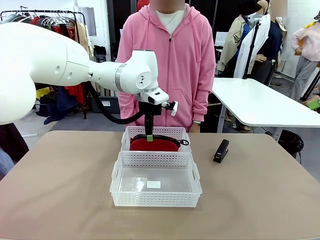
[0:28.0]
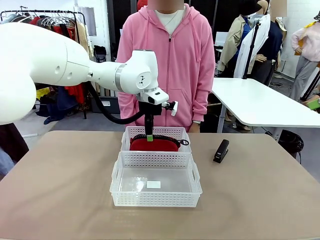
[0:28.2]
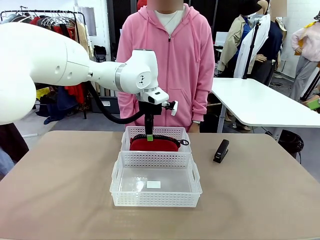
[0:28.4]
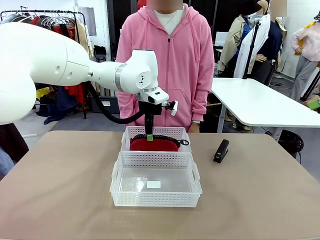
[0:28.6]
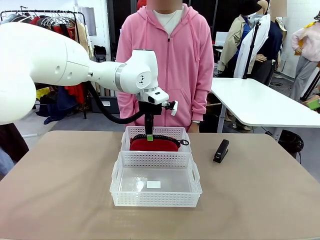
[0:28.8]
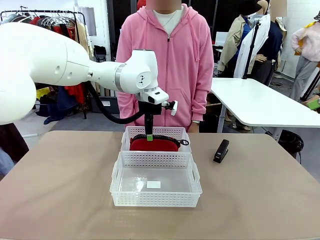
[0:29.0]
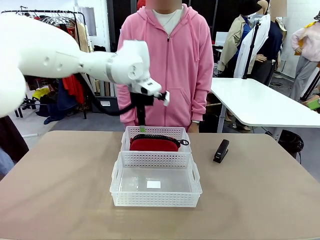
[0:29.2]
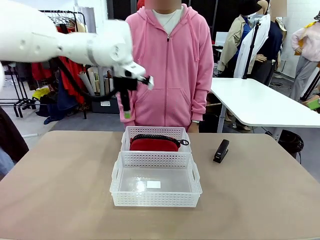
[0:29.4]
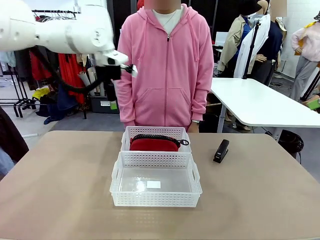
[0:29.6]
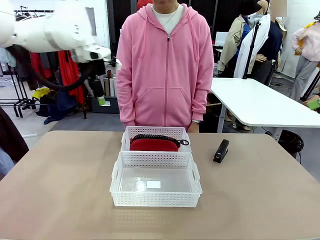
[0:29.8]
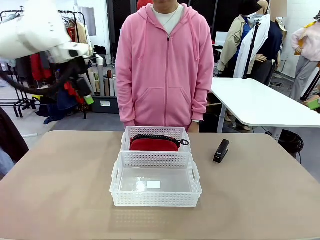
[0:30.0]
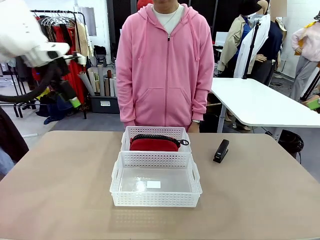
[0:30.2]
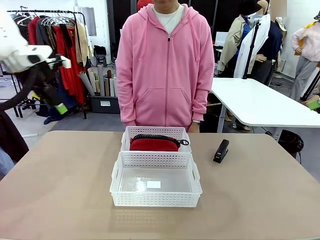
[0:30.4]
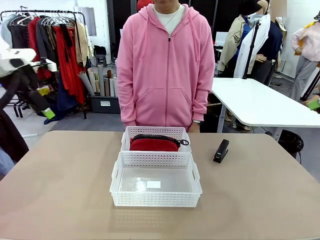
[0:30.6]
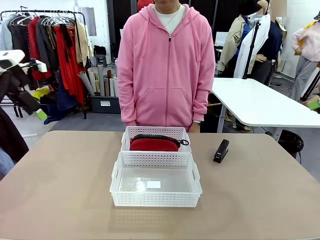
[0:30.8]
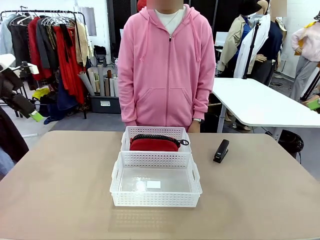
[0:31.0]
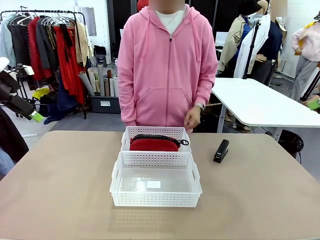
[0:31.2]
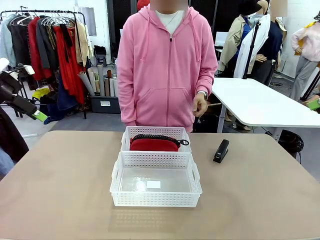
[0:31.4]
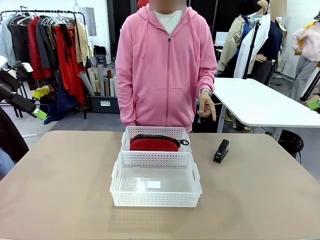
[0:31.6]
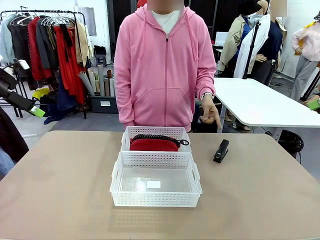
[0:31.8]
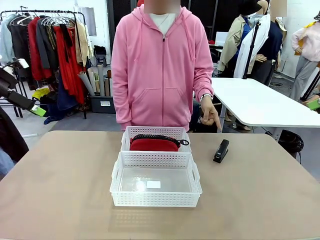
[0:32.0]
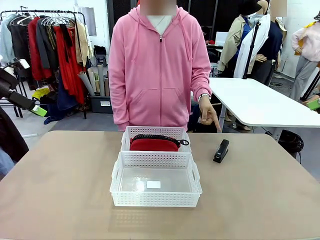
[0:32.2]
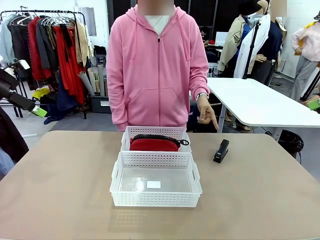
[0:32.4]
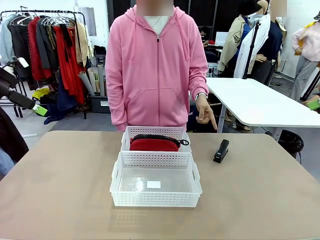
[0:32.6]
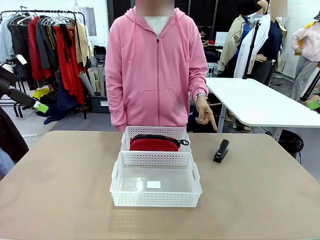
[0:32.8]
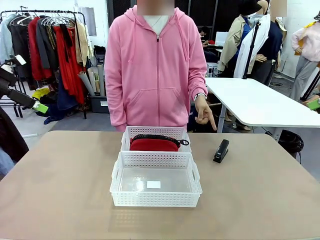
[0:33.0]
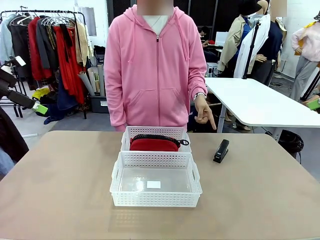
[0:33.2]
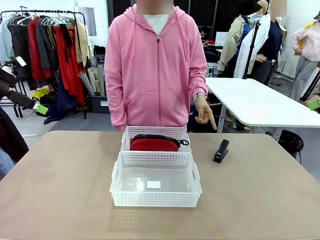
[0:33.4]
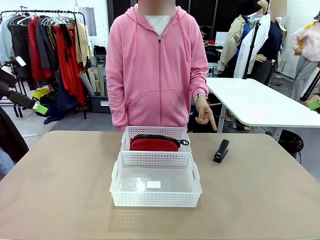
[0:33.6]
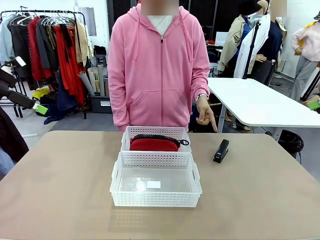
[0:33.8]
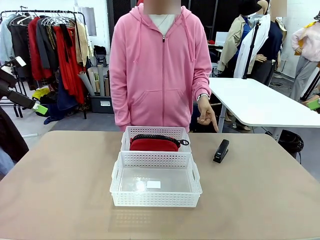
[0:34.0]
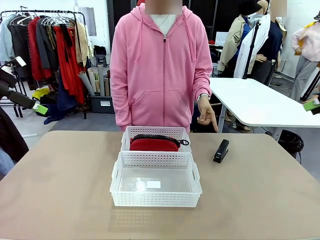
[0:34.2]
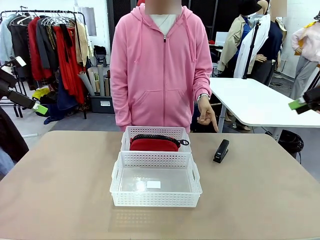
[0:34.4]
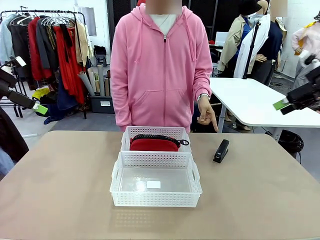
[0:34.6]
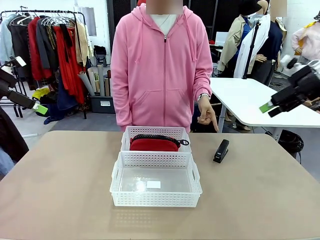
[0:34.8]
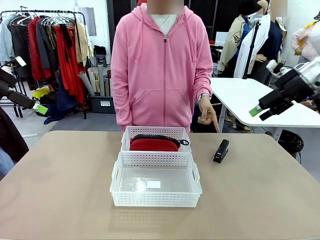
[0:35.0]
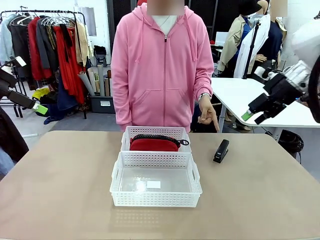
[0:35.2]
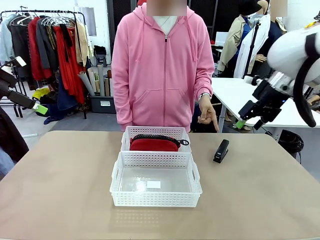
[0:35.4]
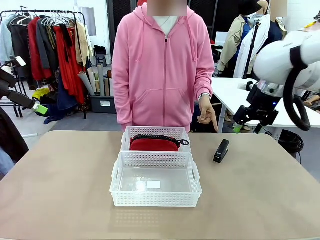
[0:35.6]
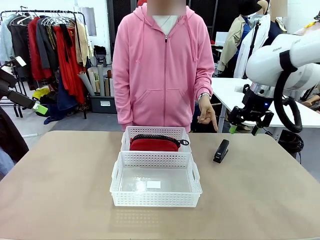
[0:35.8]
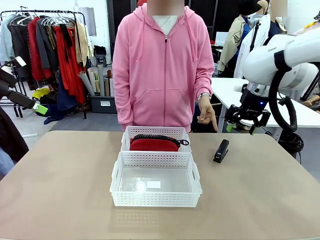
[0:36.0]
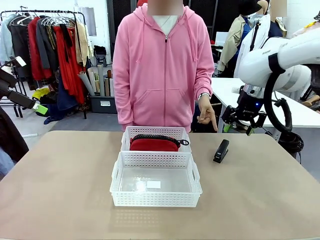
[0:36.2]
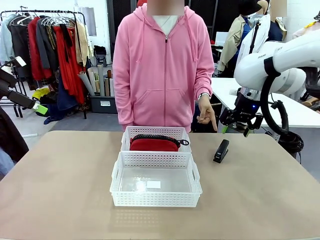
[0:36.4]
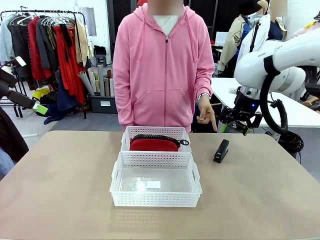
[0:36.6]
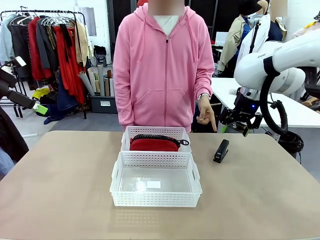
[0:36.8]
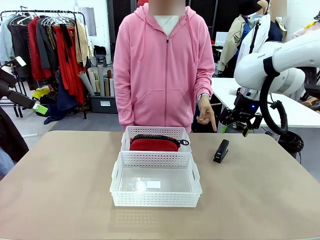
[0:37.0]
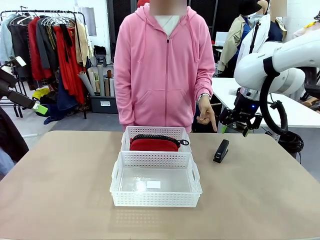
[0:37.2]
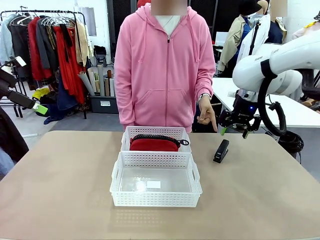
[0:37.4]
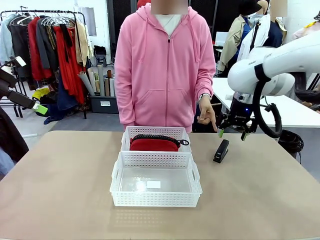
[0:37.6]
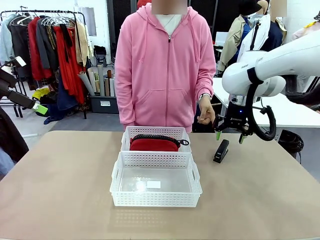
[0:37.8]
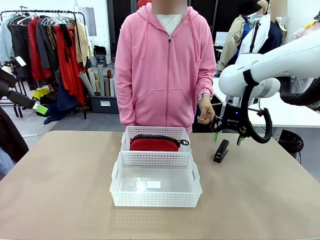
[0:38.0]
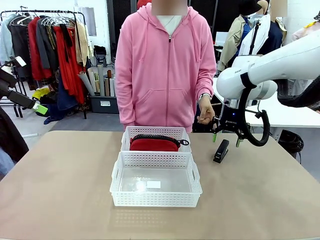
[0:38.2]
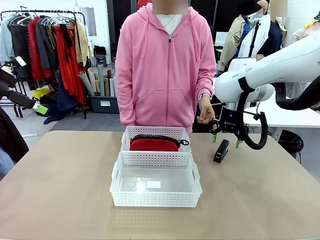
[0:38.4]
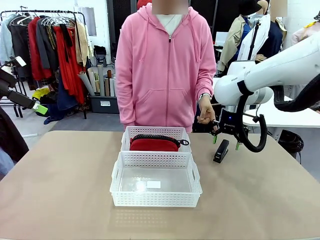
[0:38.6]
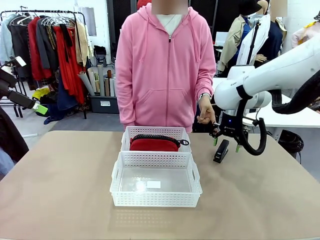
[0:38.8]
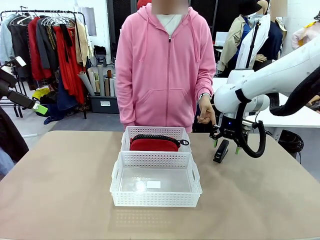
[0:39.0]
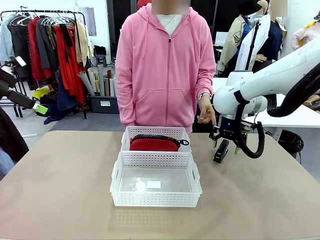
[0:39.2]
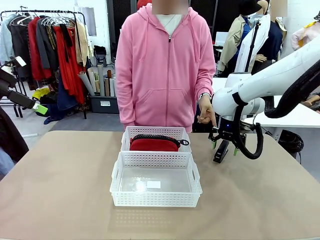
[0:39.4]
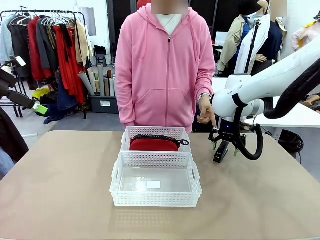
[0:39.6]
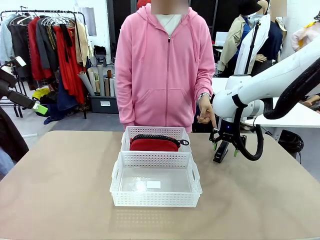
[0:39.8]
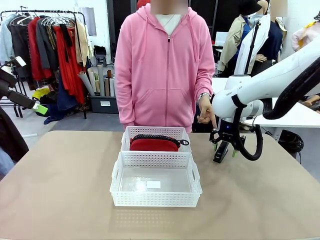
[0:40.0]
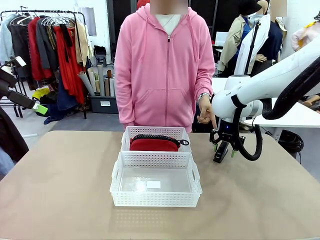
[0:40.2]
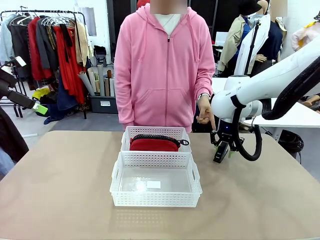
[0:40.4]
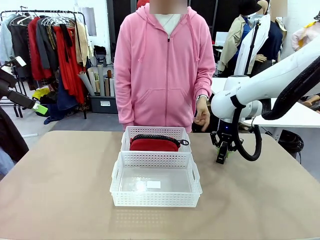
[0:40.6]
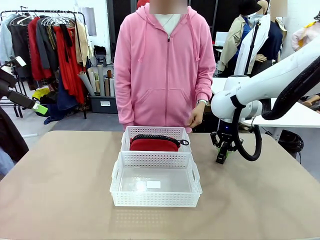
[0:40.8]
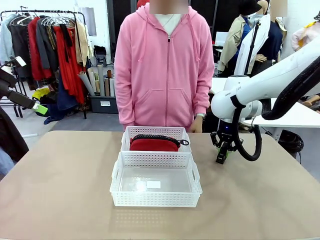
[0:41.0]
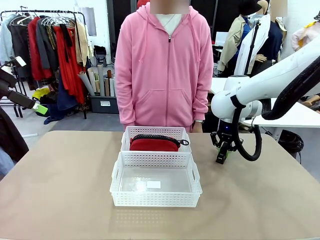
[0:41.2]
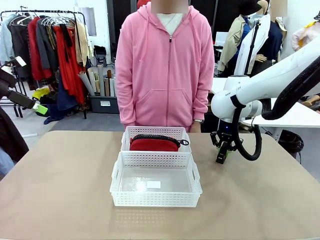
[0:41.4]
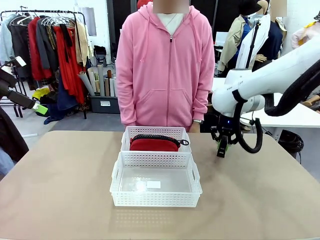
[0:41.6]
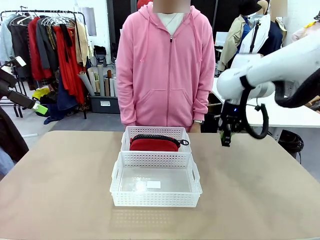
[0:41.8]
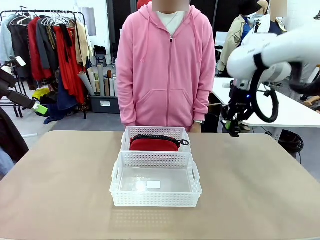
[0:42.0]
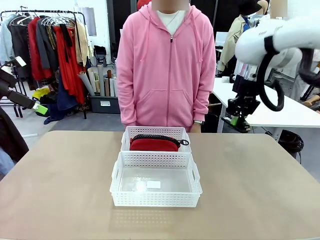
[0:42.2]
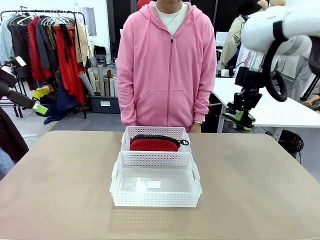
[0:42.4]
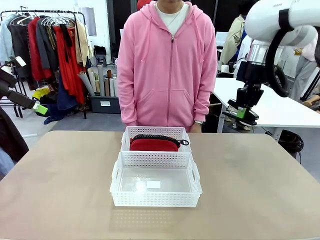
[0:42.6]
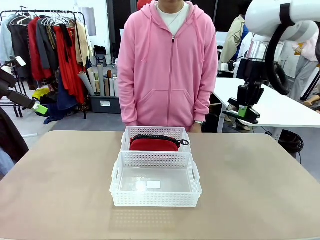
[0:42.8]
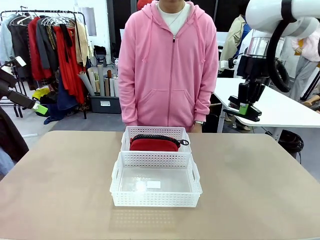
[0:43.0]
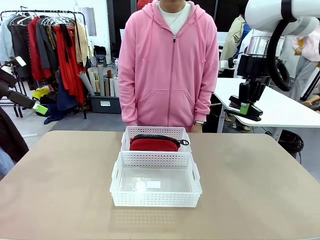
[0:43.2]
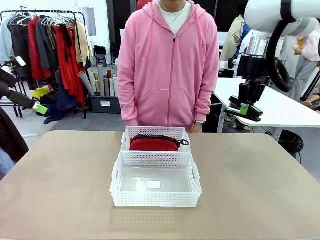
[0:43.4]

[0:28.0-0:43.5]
Task: Distribute items into two baskets.
Robot: Pick up the Stapler that the person points to.
